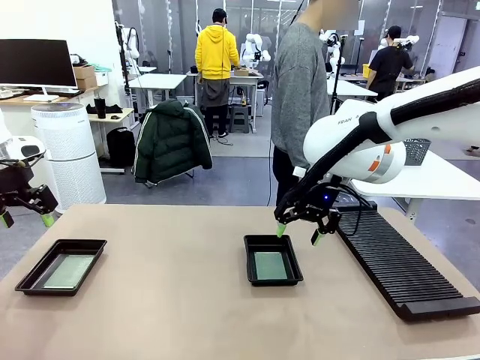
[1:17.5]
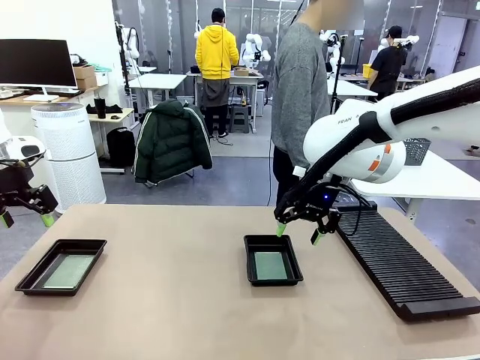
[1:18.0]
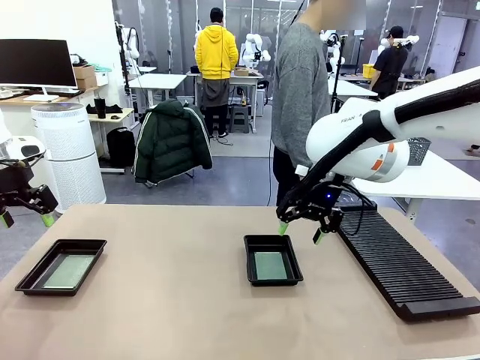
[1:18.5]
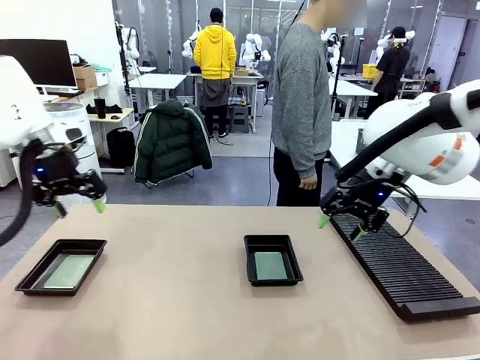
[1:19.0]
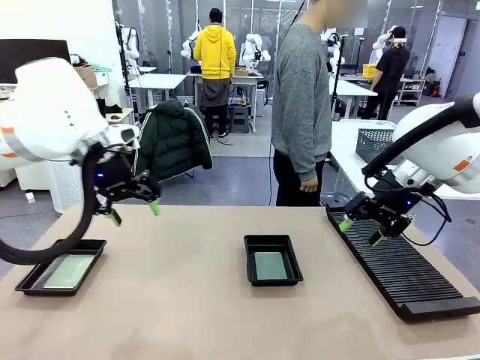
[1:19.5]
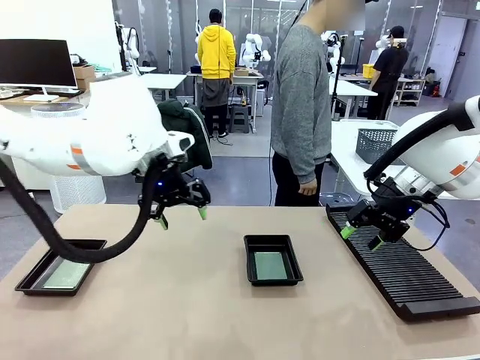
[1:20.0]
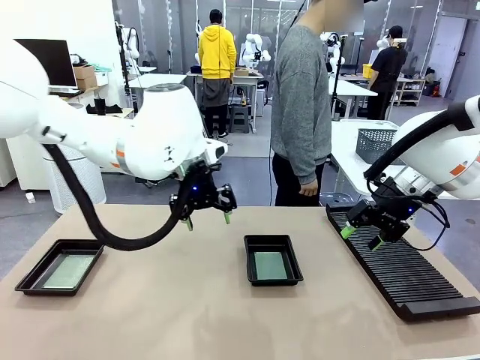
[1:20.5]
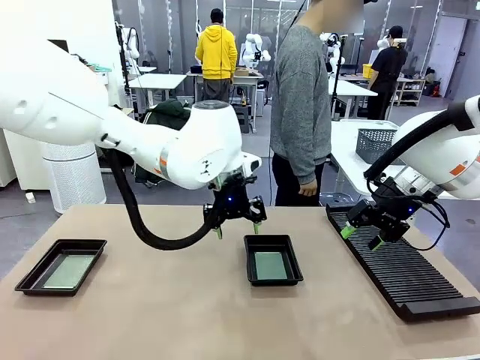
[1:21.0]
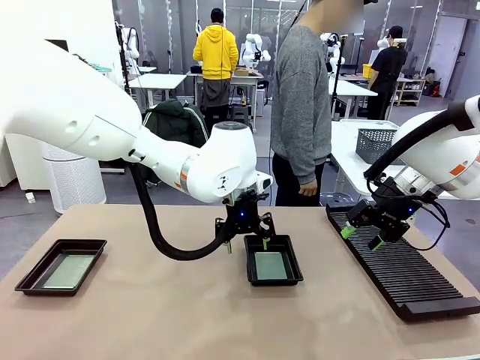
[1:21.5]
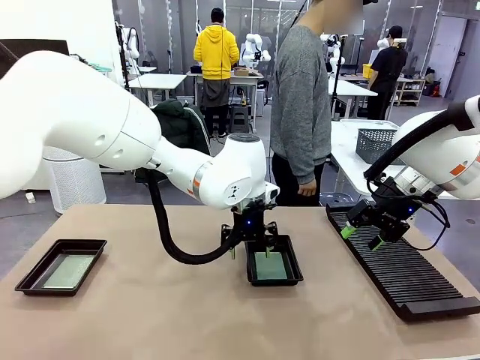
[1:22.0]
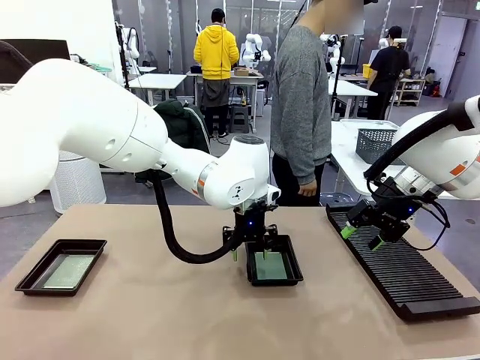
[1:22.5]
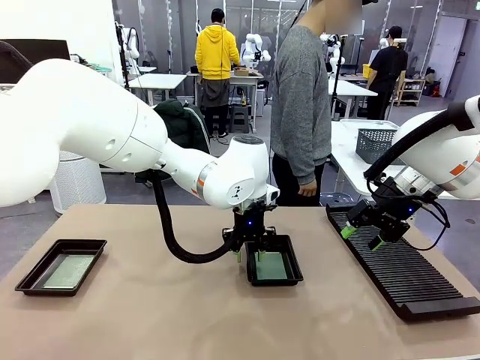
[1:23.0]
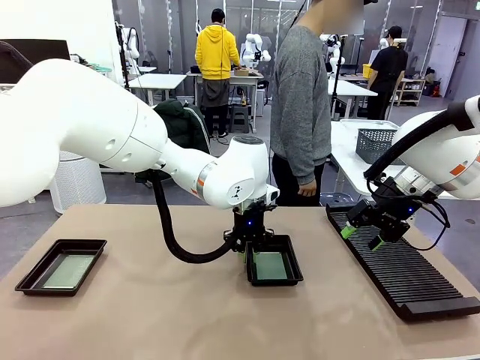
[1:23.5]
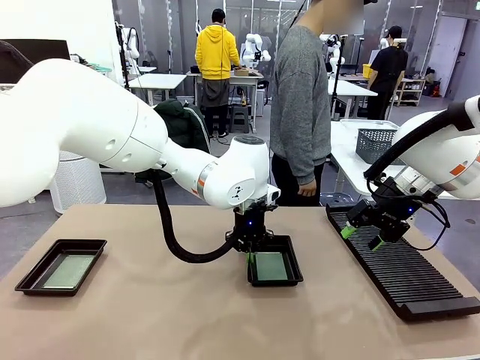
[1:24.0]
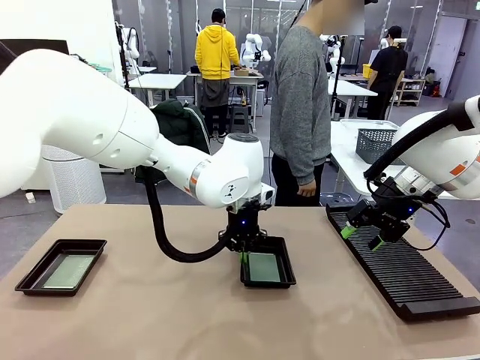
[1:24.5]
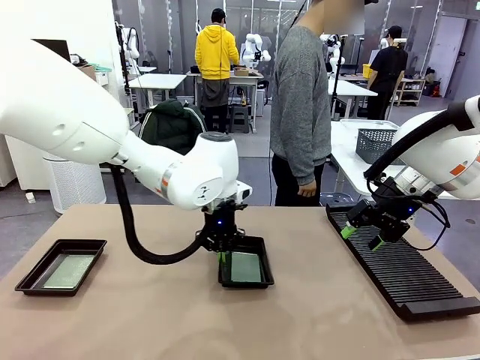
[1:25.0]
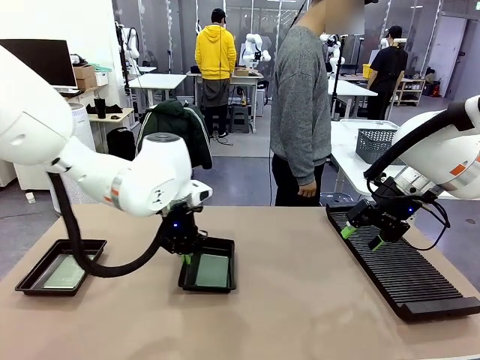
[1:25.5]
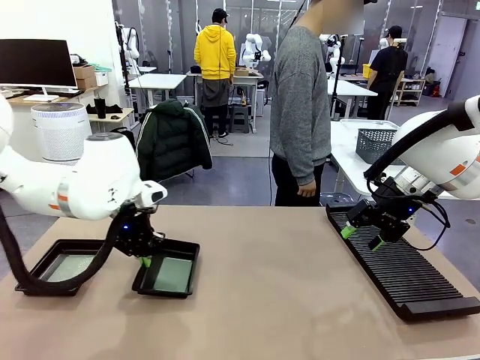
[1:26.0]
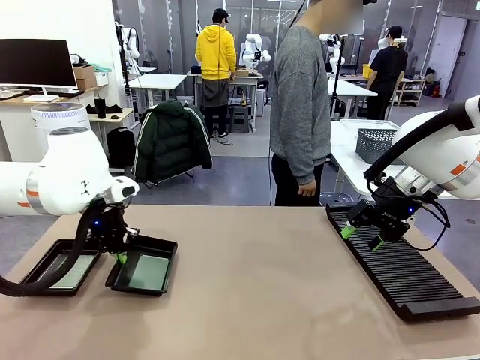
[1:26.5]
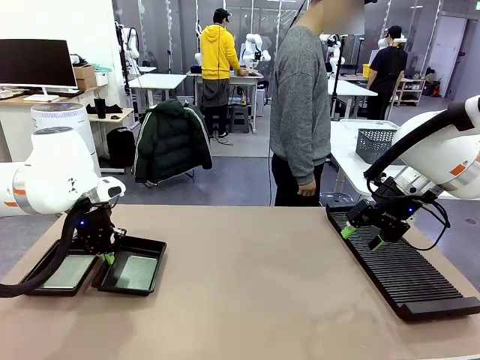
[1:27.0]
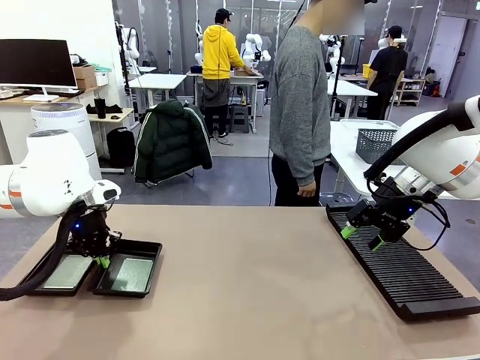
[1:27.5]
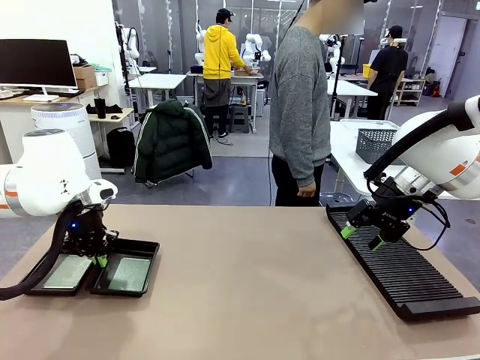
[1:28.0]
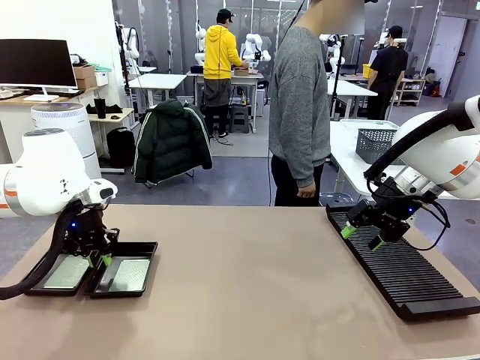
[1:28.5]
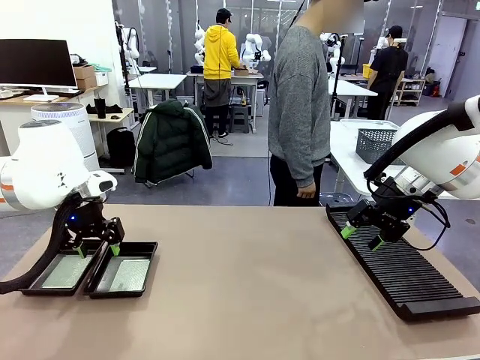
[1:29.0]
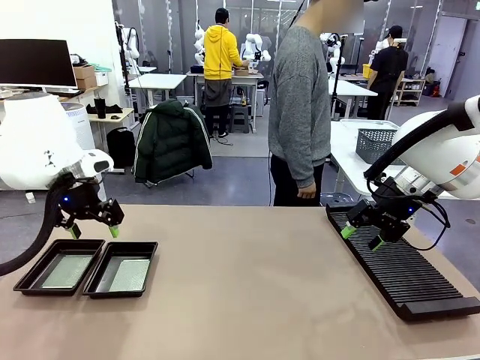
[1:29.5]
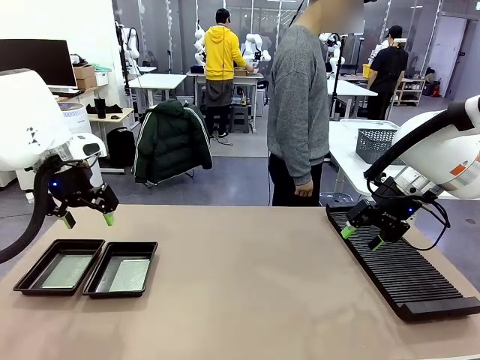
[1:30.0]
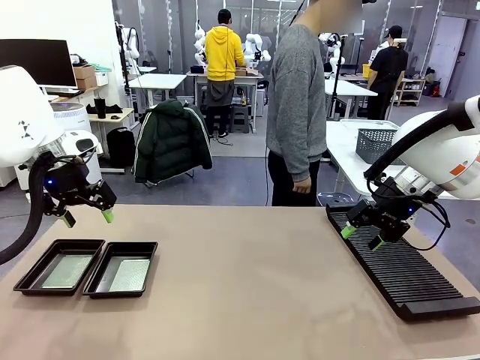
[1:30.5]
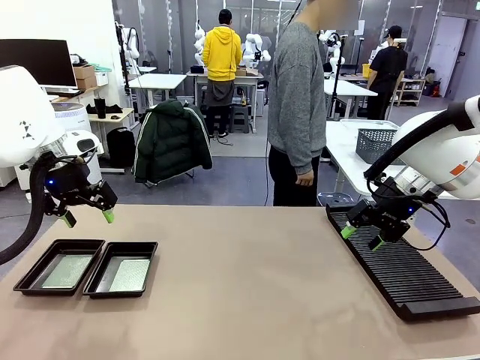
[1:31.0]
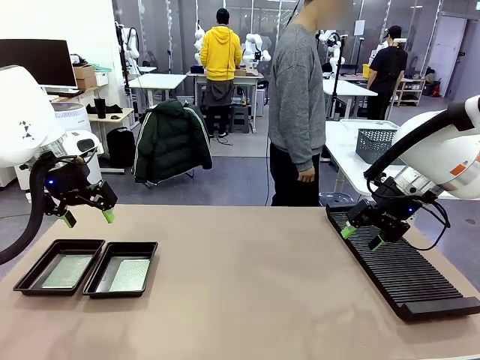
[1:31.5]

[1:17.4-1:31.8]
Task: Inspect and transfer BCBs to ESD trays.
Robot: Pick up the ESD tray and place it on the left side of the table.

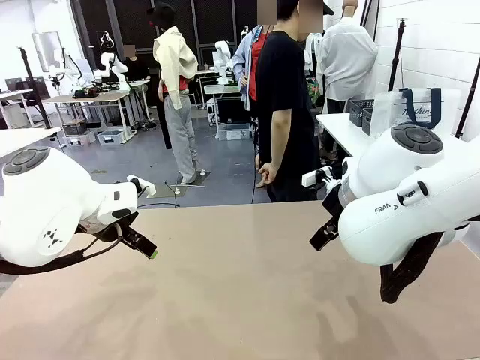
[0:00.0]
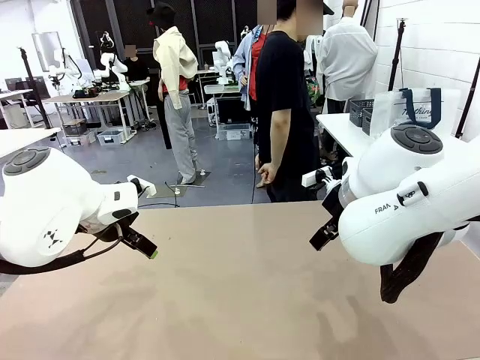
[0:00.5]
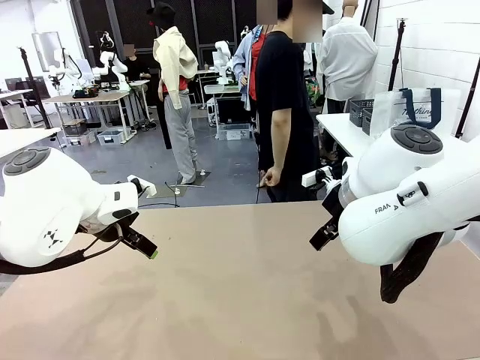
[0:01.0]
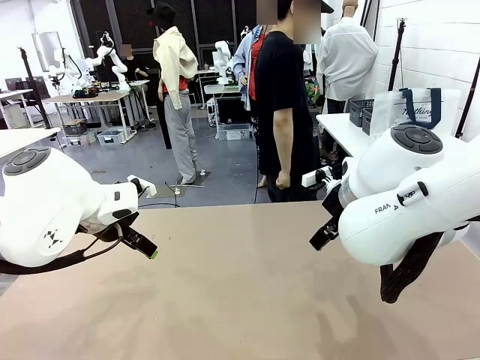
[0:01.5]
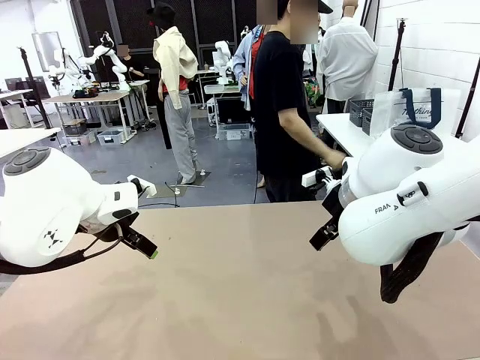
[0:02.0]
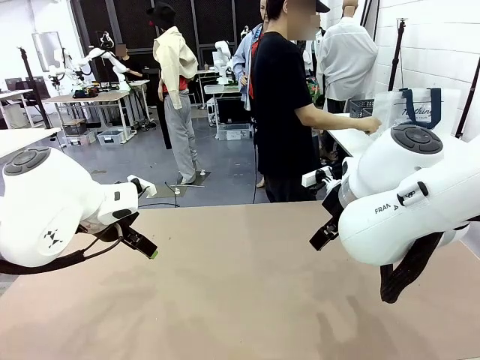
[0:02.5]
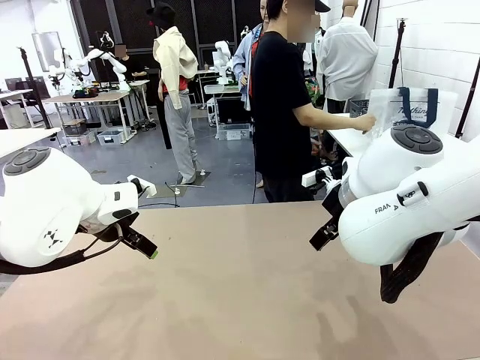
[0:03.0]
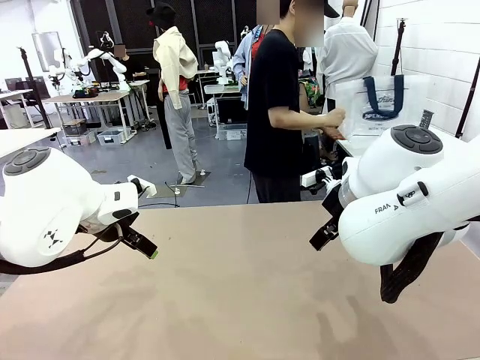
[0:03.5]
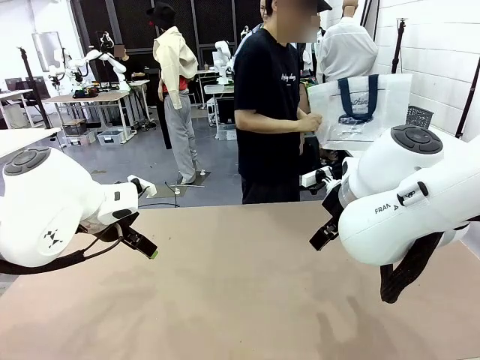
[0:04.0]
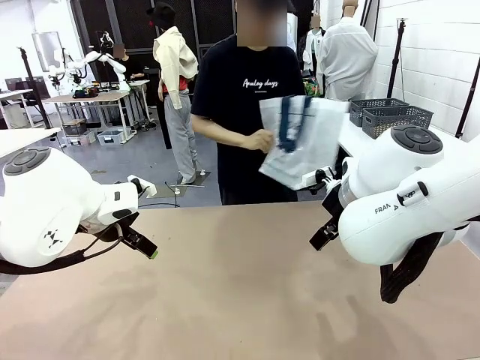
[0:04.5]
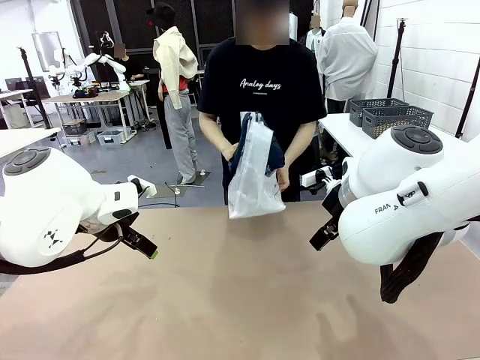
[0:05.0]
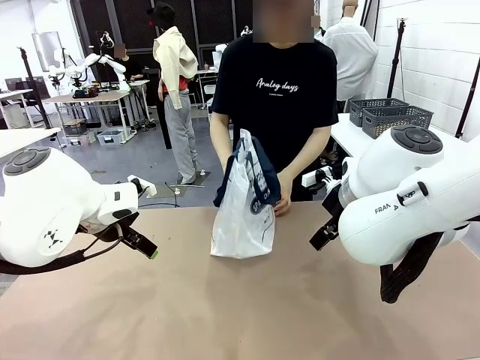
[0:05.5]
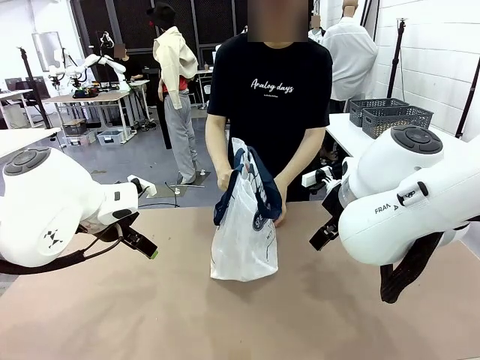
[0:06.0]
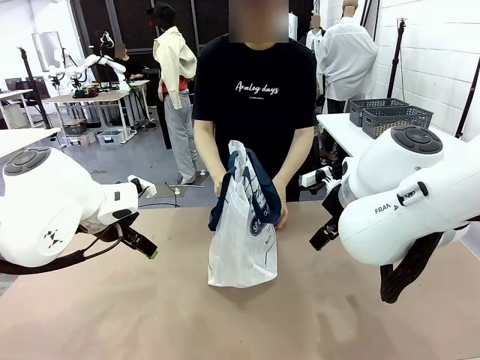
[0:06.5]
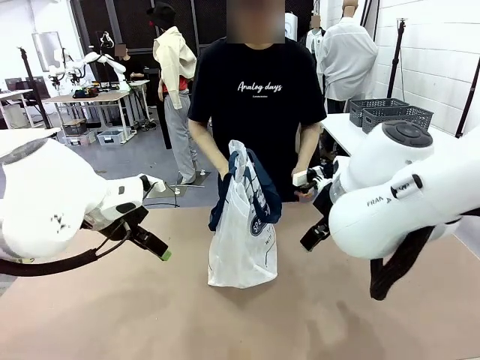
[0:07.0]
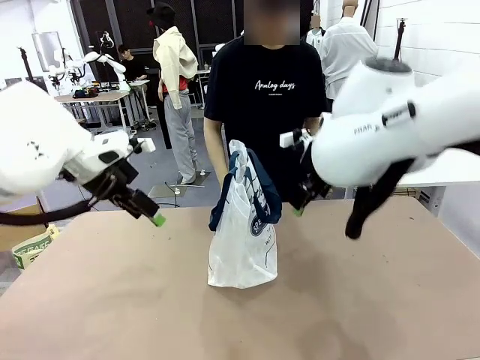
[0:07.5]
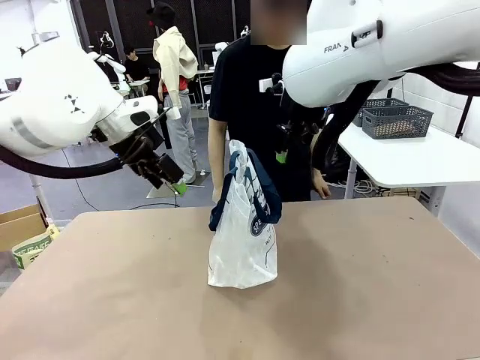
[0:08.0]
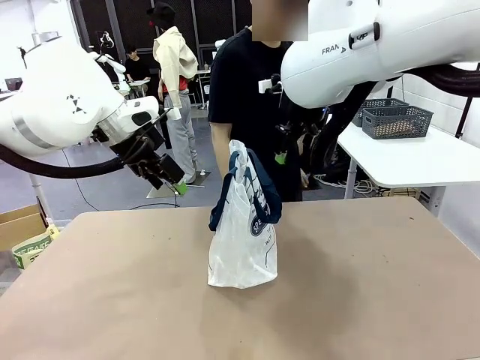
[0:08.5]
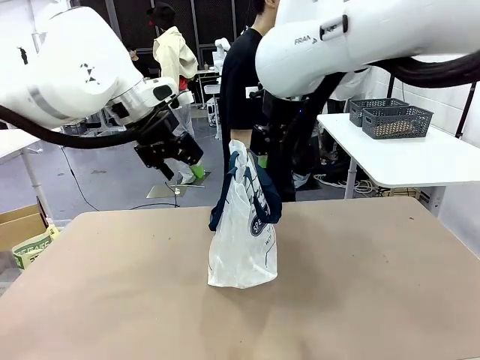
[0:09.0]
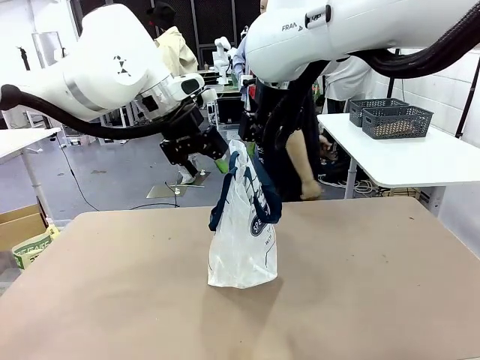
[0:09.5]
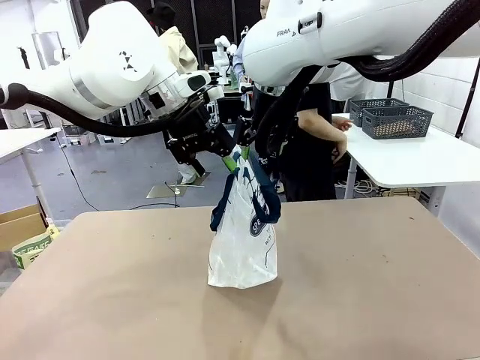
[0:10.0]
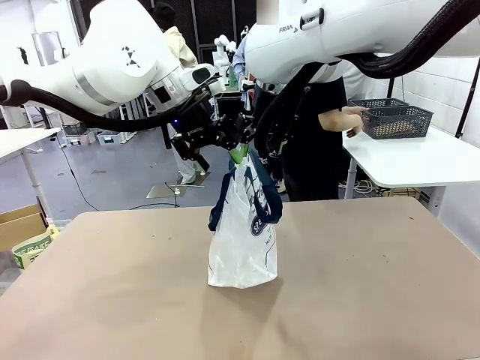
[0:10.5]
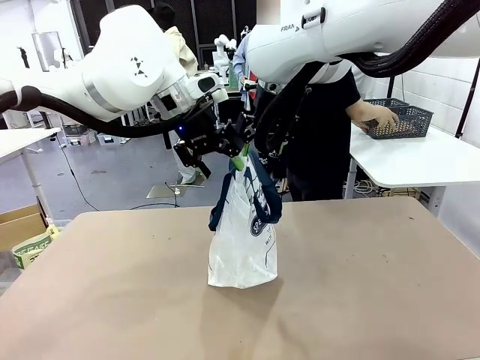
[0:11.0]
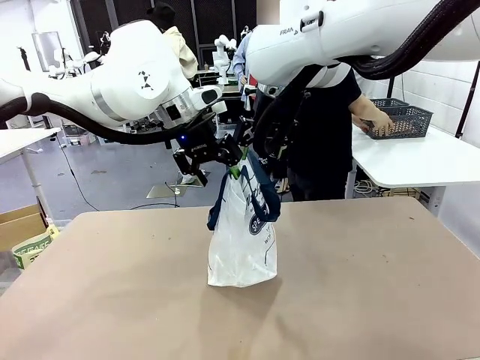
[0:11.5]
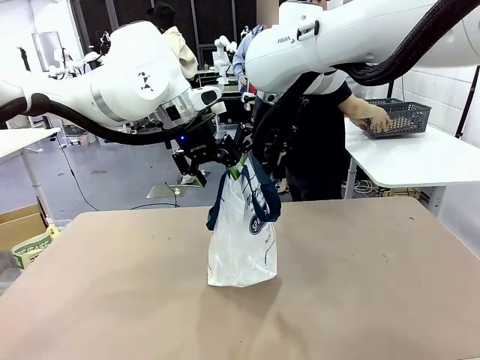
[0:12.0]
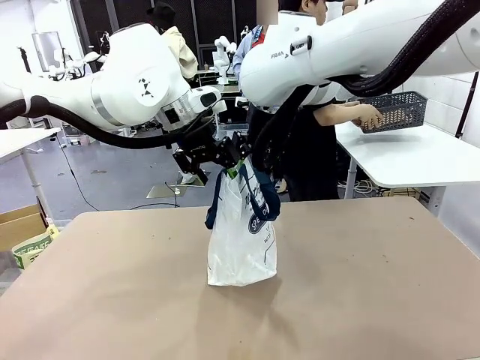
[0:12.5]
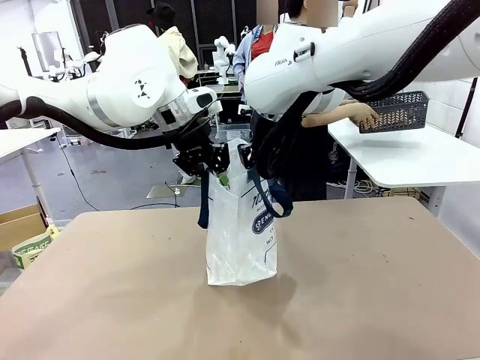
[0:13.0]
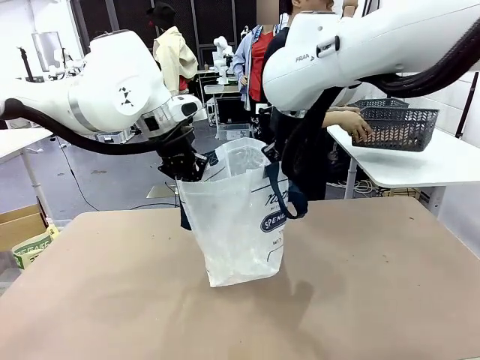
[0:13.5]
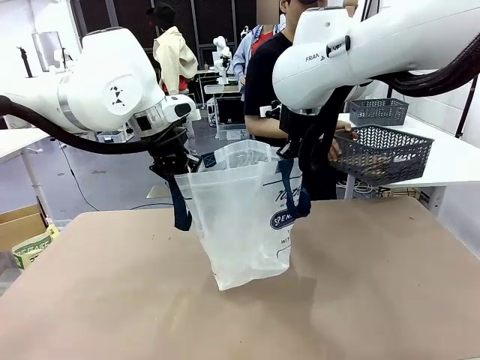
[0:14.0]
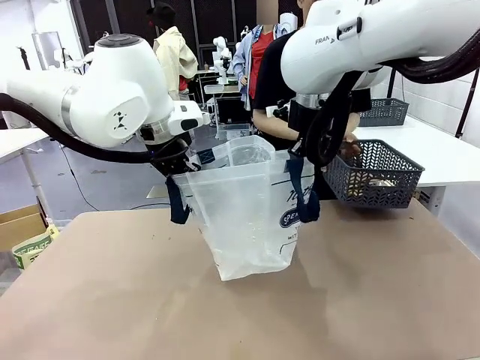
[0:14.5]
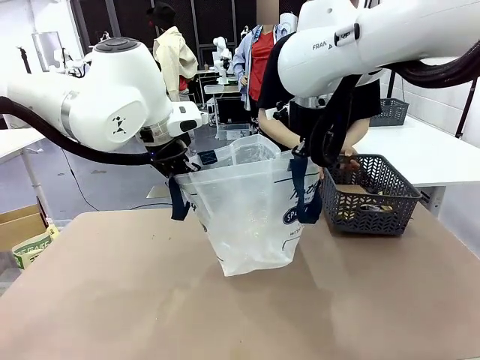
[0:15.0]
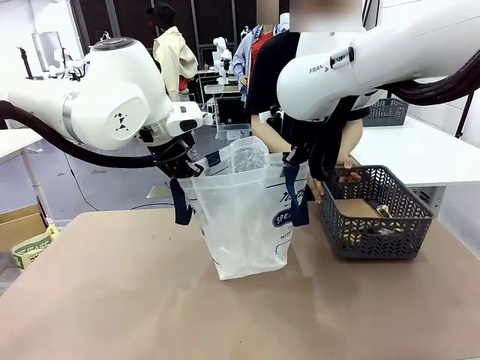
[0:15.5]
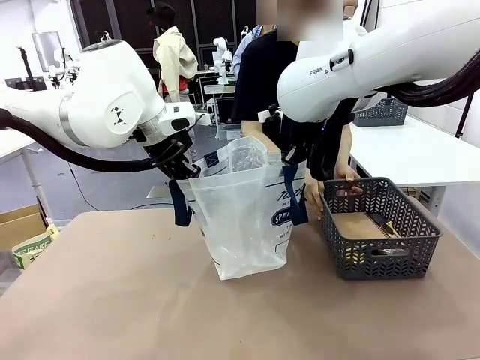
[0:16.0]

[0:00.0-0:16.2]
Task: Transfer purchased items from the store into the shopping bag.
Robot: Open the Reusable shopping bag in the center of the table.
Person: Pick up the shopping bag and place it in the middle of the robot table.
